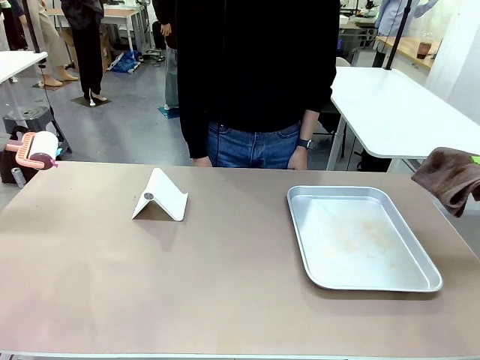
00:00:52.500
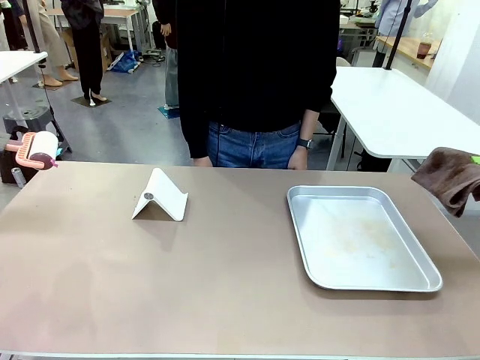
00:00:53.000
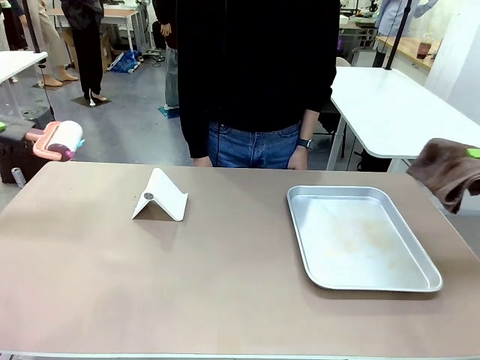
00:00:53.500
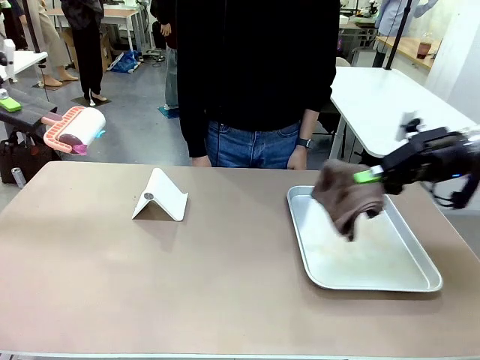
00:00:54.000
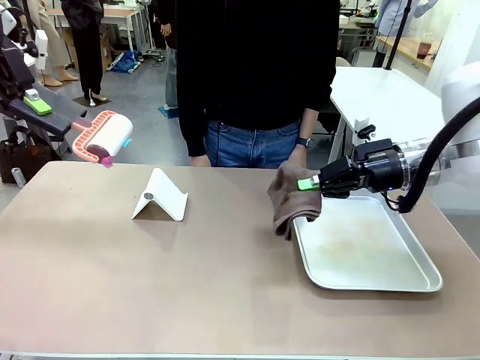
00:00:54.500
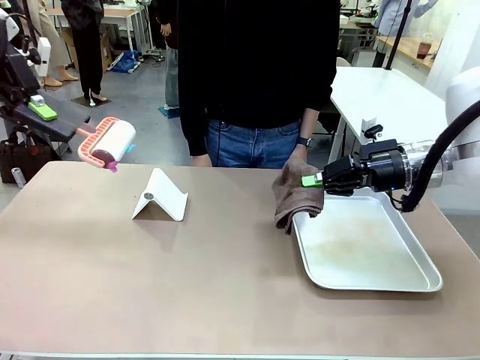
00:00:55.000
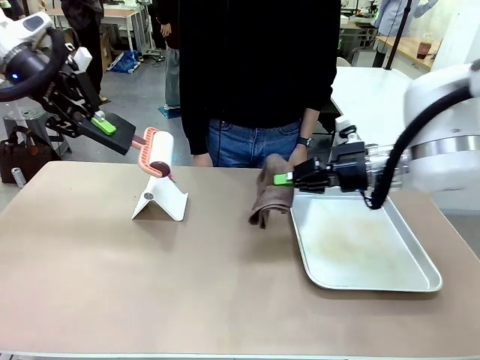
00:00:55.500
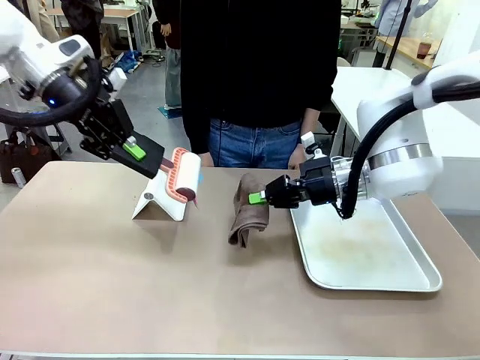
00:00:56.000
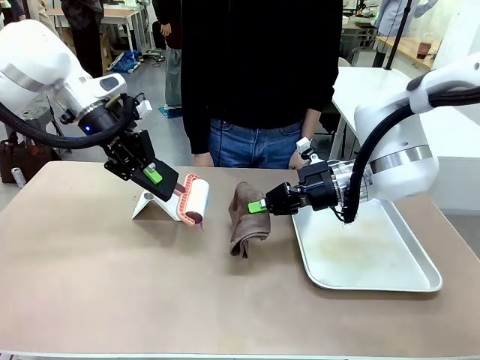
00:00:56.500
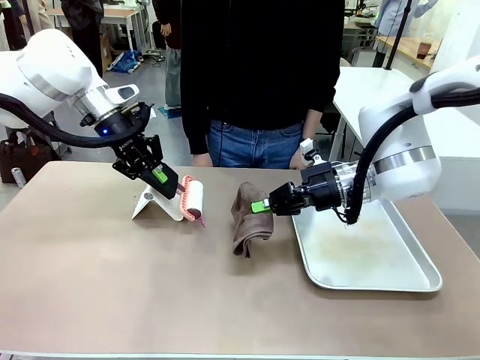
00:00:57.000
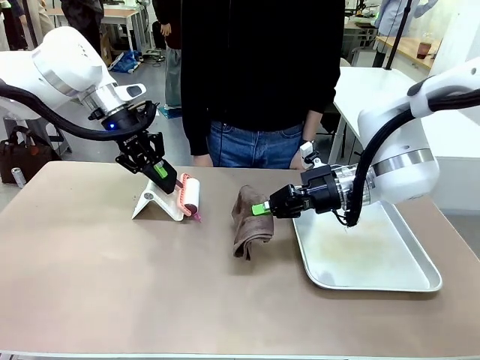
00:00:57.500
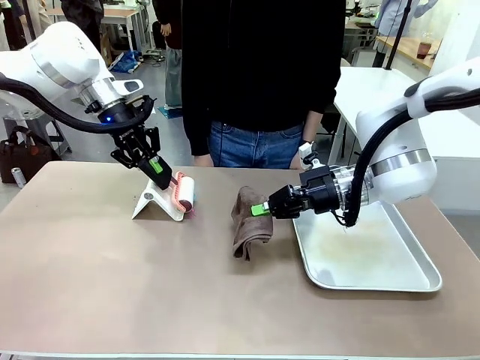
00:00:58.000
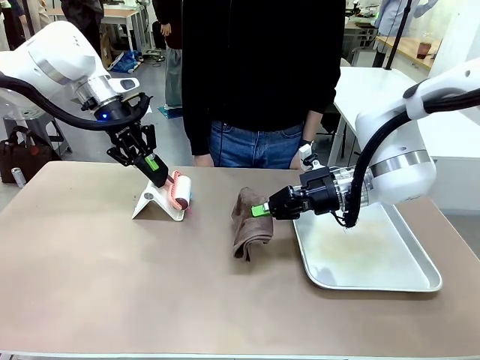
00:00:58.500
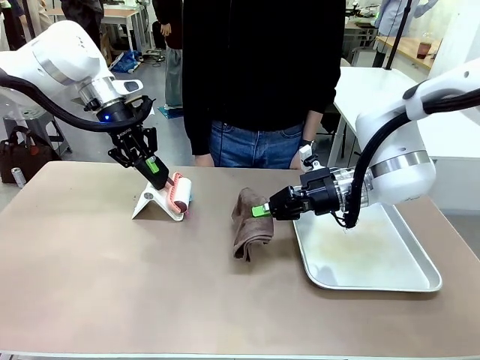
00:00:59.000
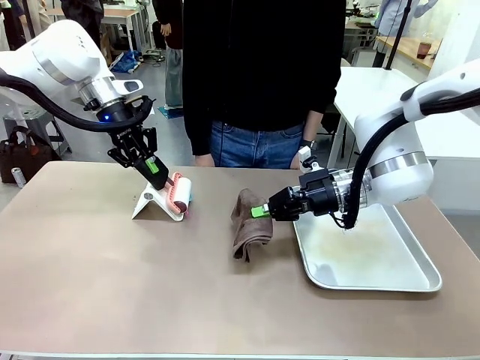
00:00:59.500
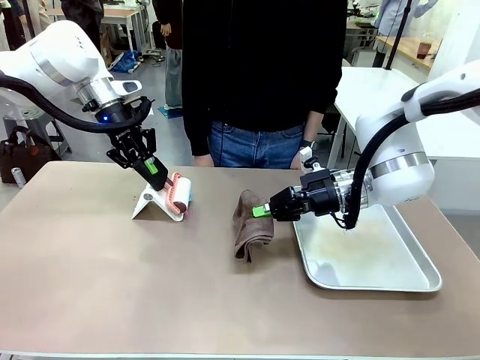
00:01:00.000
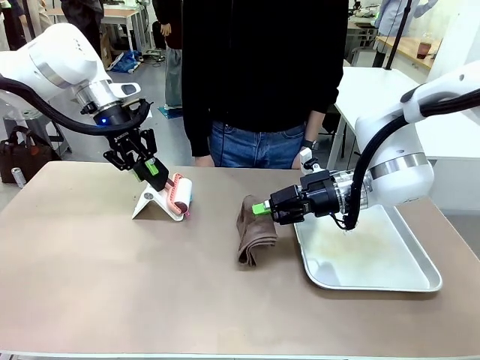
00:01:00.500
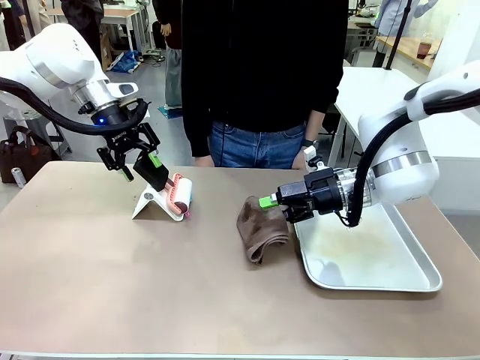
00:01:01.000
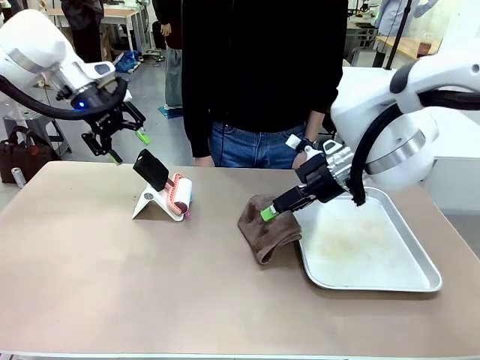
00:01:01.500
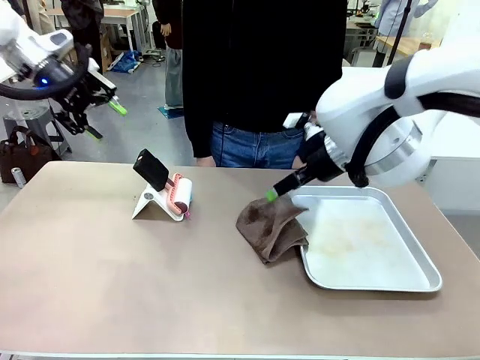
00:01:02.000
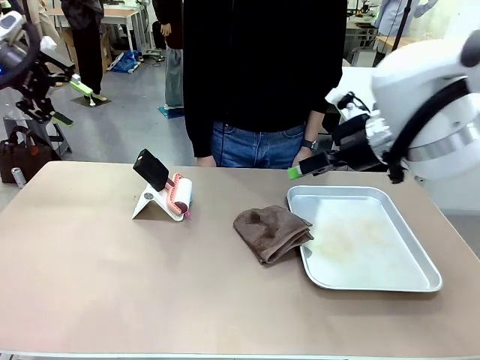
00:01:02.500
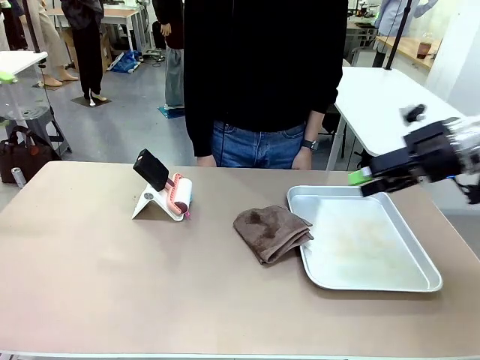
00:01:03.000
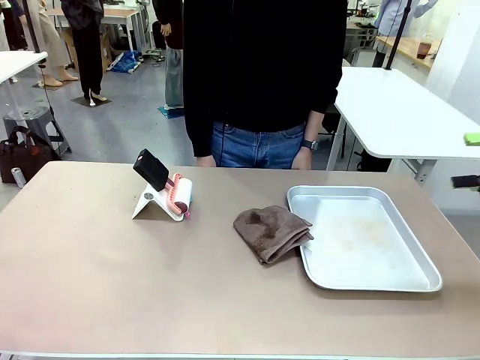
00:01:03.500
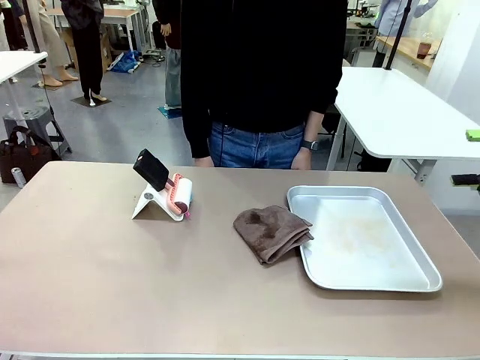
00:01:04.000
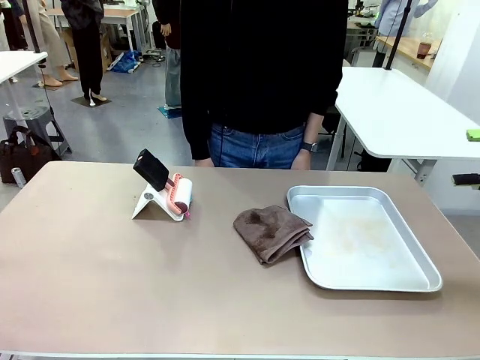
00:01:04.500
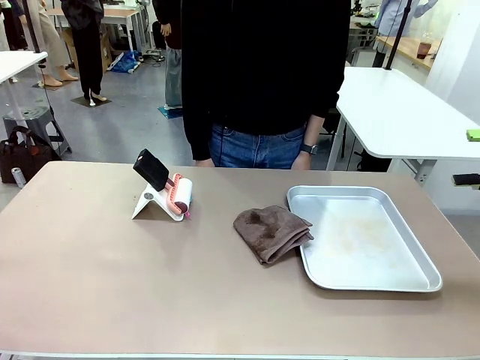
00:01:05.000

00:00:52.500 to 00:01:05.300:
Task: Clean the surface of the table.
Robot: Return the Lint Roller and towel to their original positions.

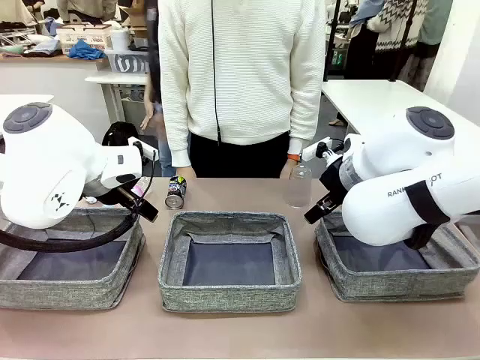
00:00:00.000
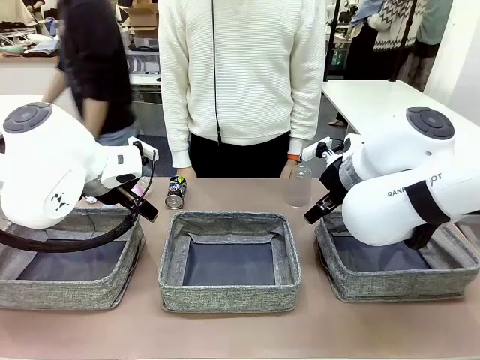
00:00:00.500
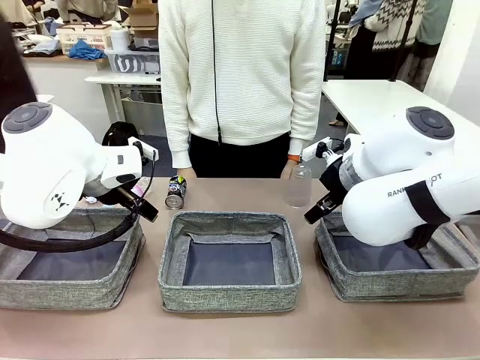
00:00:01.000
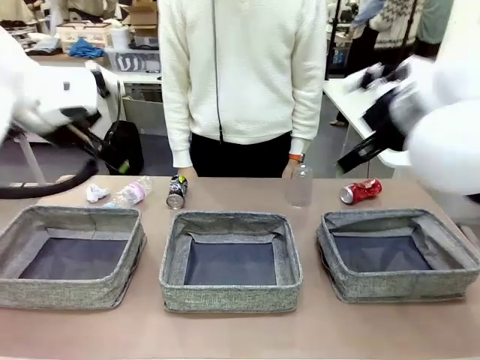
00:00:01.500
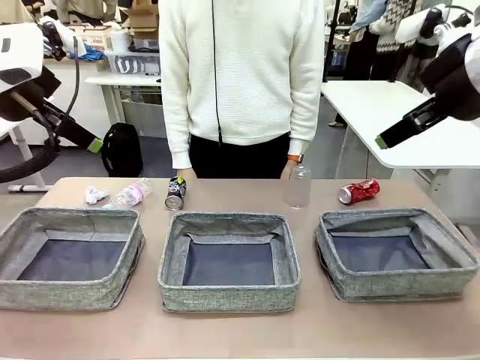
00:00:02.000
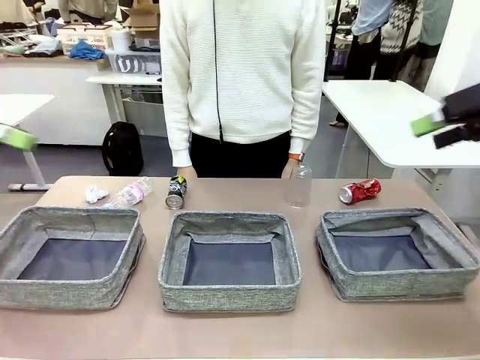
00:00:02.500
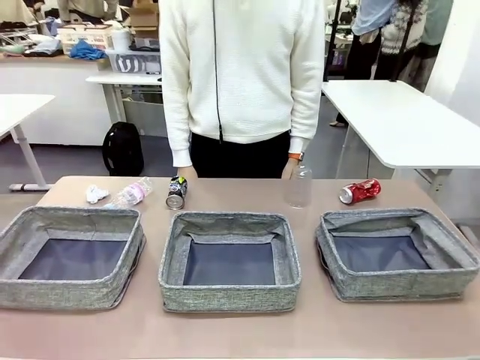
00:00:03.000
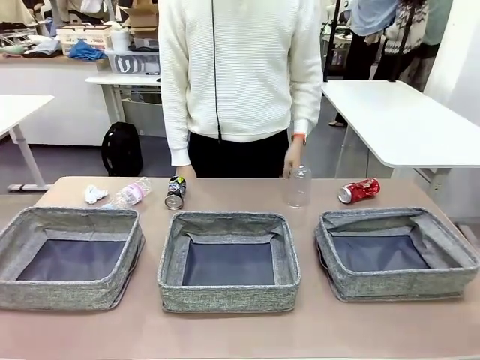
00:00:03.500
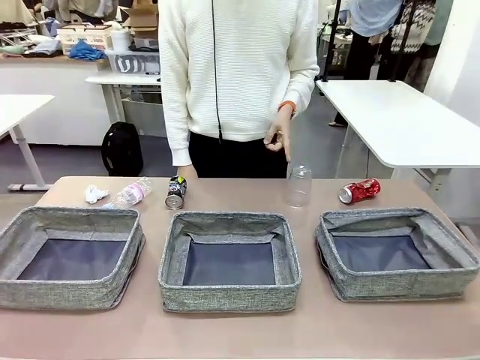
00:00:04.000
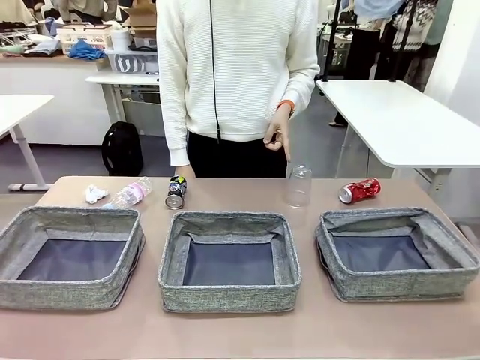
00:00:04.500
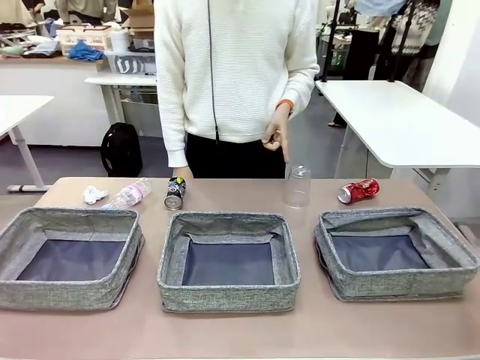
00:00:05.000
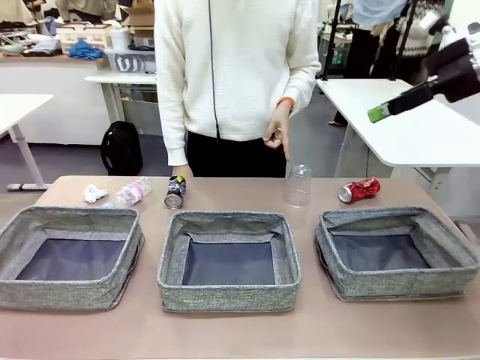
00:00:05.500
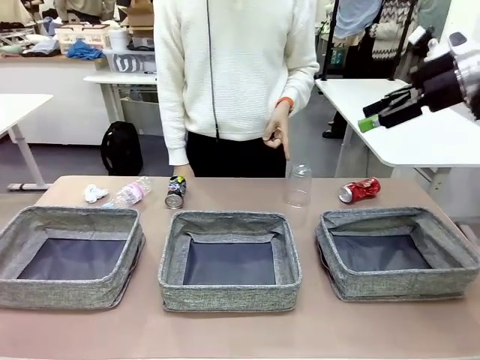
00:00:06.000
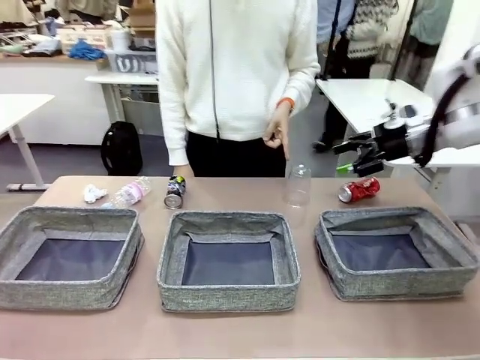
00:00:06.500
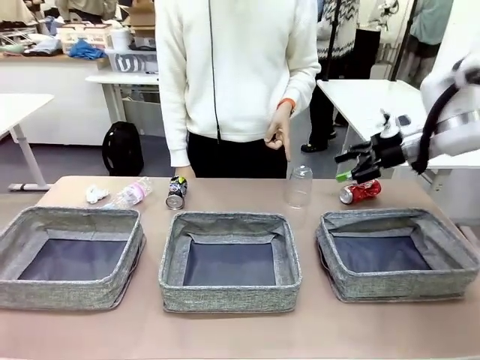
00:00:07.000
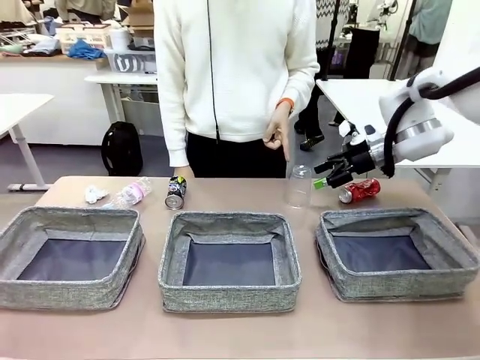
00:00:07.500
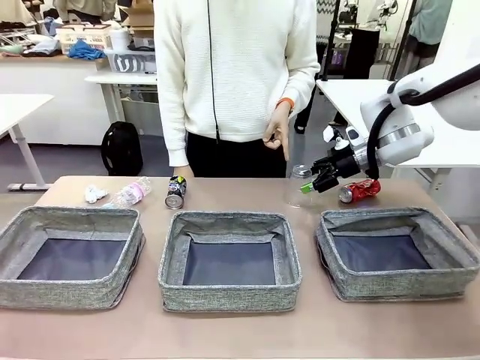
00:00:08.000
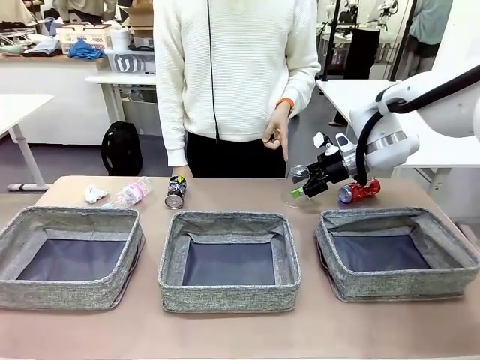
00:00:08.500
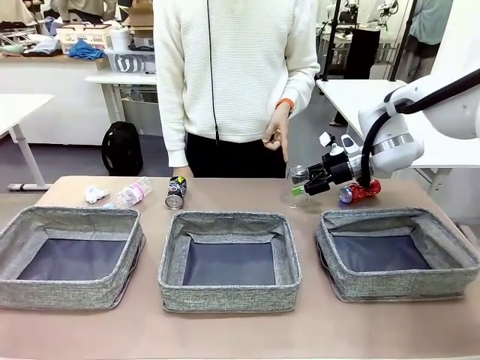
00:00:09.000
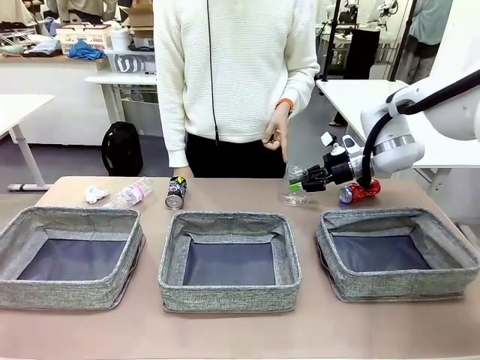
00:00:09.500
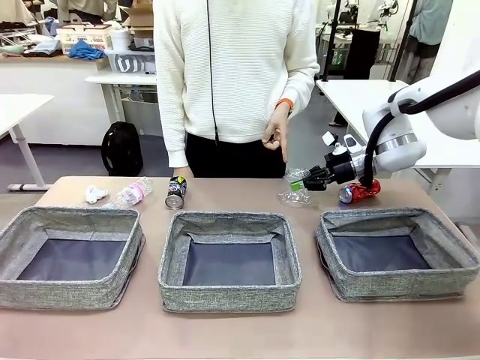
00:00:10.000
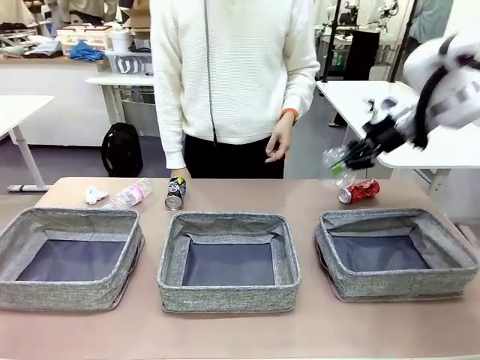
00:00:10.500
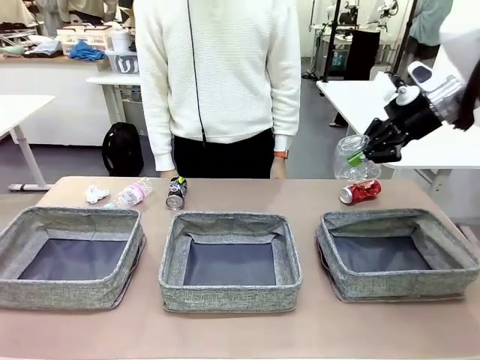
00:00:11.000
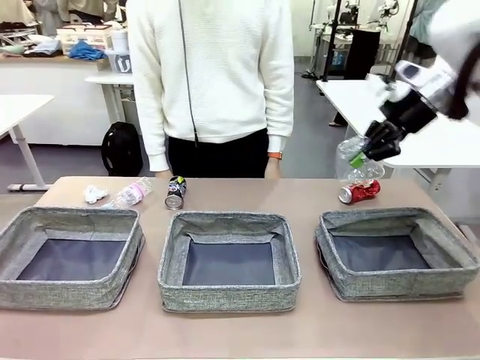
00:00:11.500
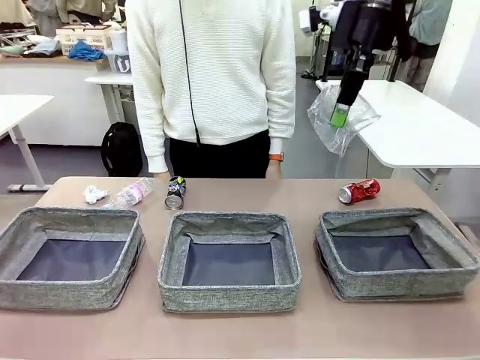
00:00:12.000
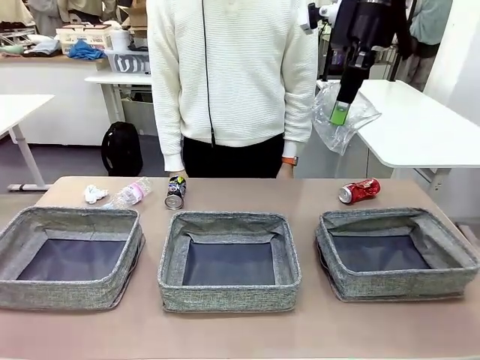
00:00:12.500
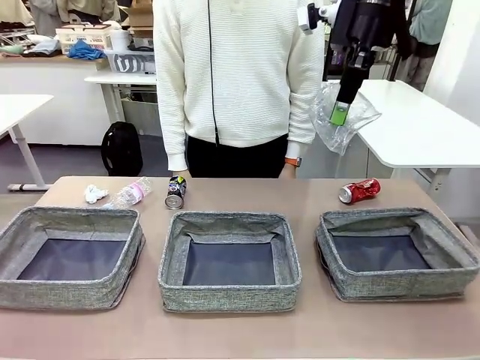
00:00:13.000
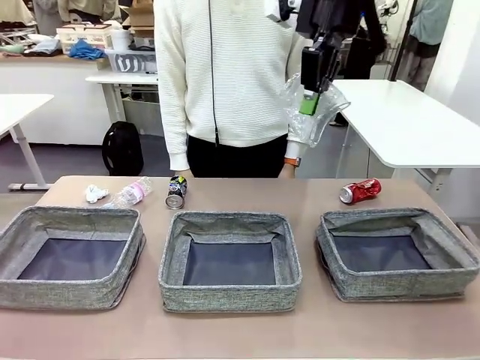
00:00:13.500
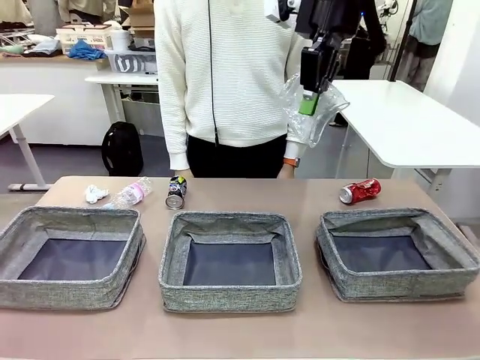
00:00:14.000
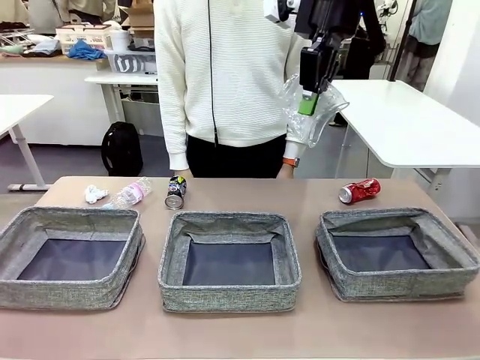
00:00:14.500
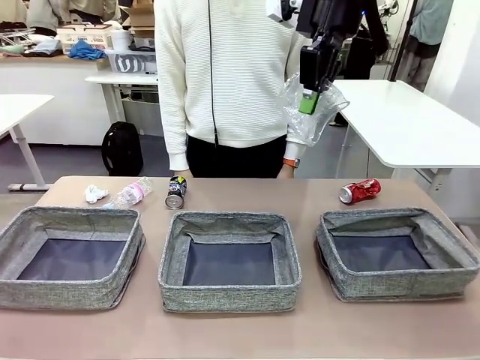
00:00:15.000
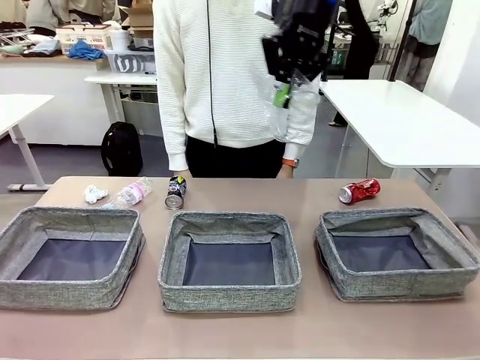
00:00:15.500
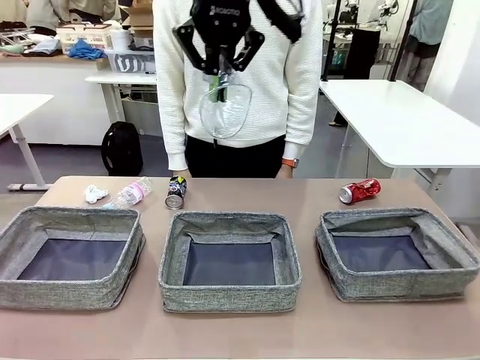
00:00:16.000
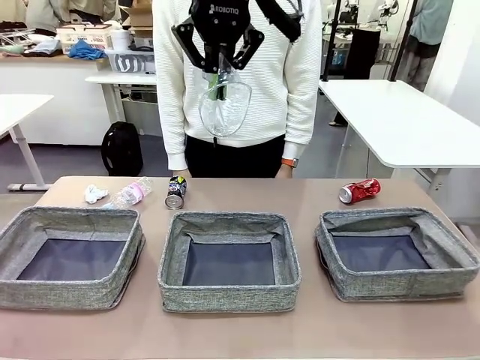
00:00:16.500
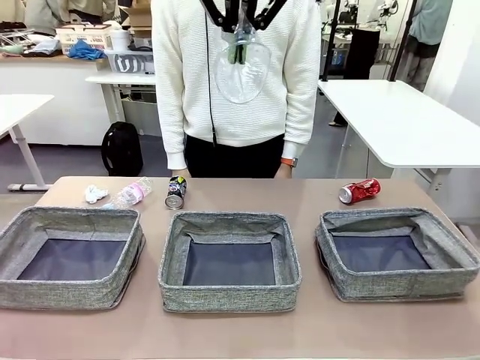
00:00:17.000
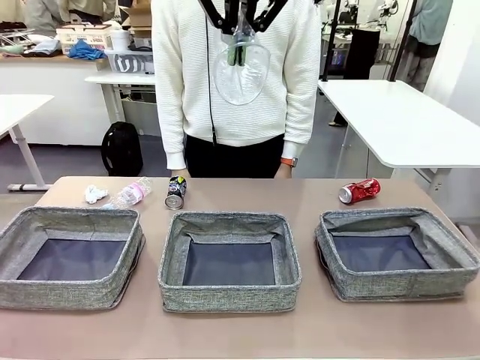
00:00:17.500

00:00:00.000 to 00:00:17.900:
Task: Sort the waste into the appropriate baskets.
Robot: Pick up the waste item pointed out by the person.
Person: Points to one piece of trash on the table. Instructs the robot to place the picked-up trash into the appropriate organizing basket.
